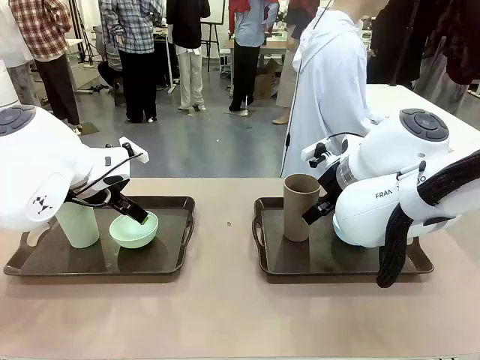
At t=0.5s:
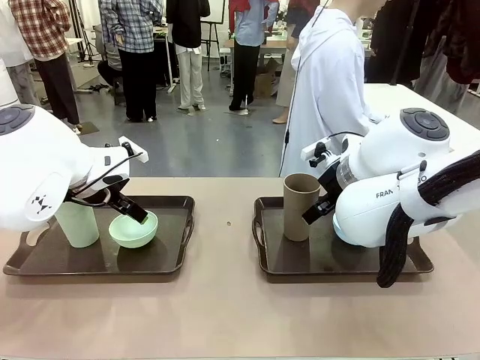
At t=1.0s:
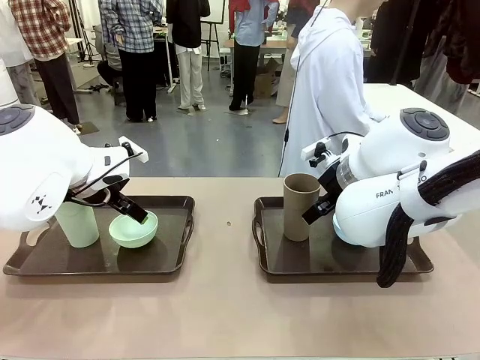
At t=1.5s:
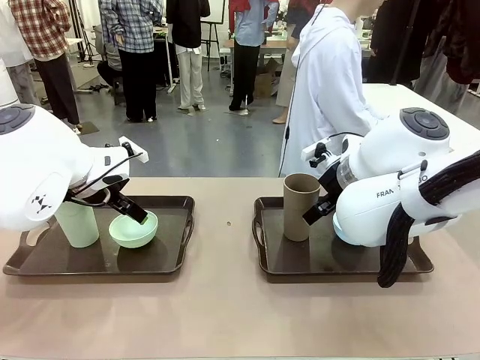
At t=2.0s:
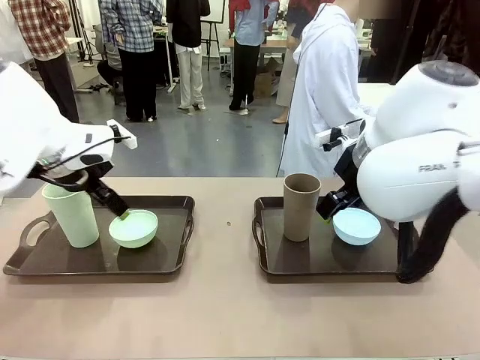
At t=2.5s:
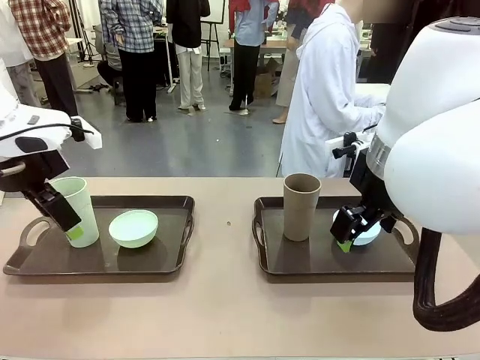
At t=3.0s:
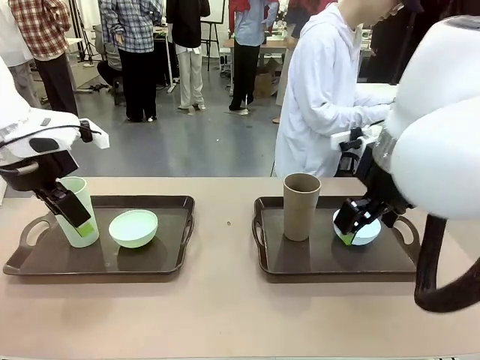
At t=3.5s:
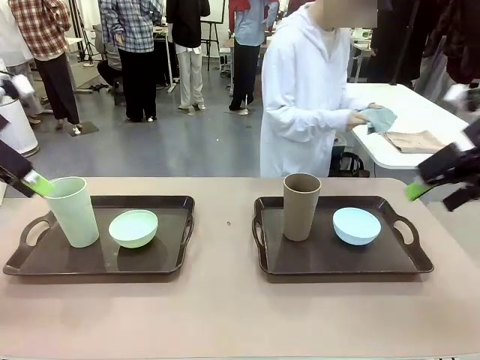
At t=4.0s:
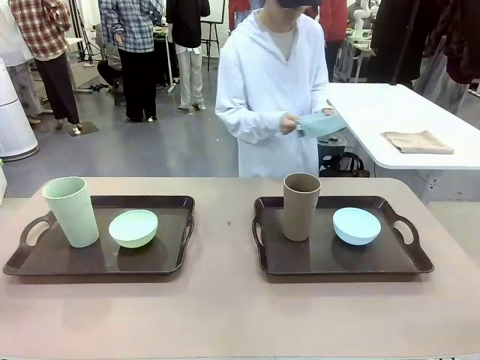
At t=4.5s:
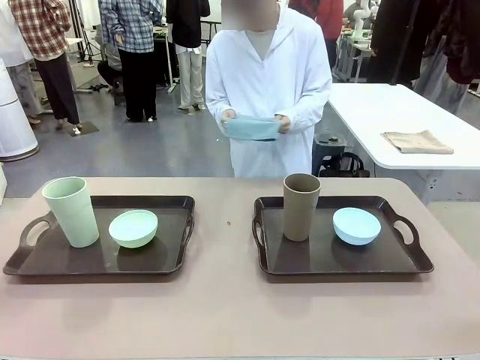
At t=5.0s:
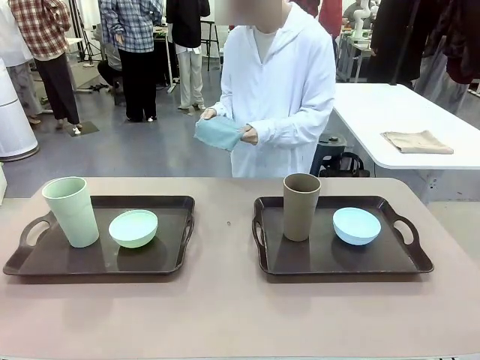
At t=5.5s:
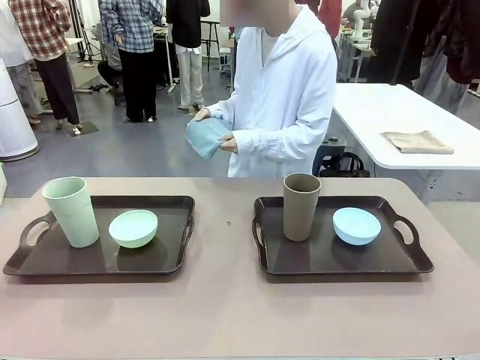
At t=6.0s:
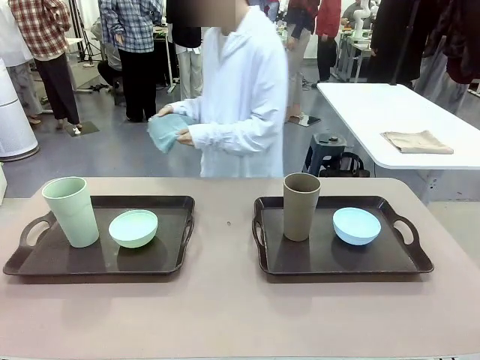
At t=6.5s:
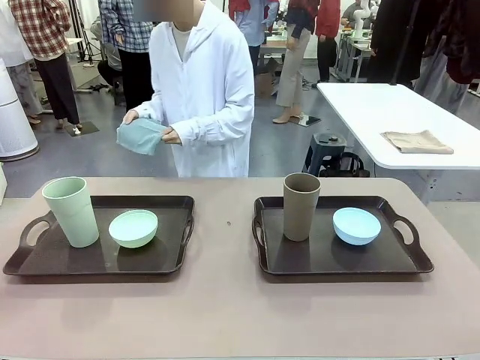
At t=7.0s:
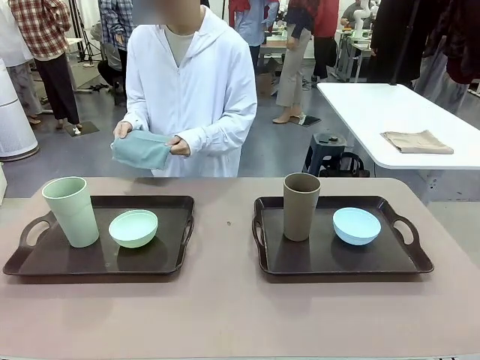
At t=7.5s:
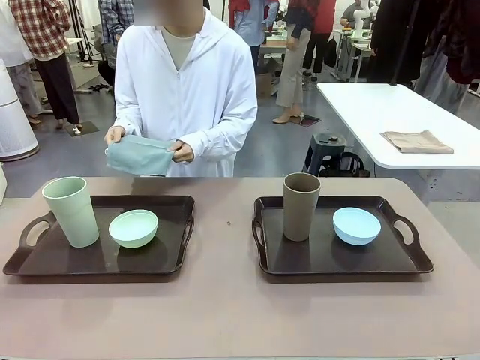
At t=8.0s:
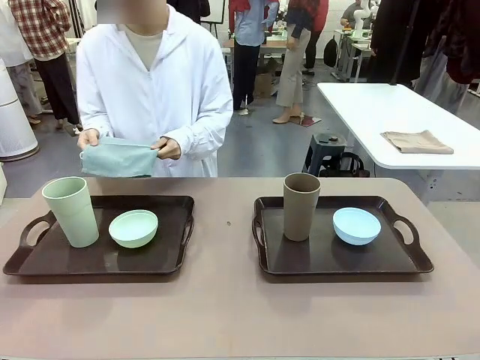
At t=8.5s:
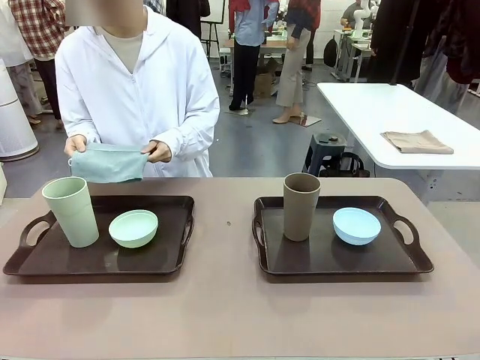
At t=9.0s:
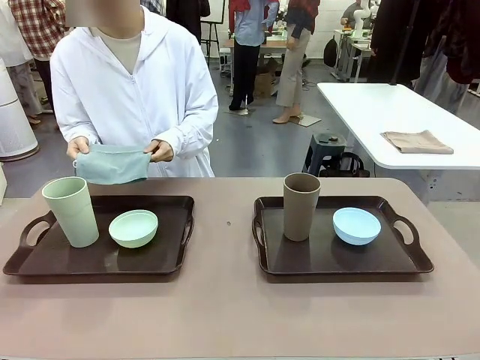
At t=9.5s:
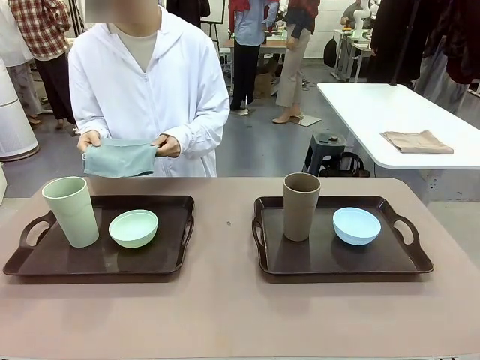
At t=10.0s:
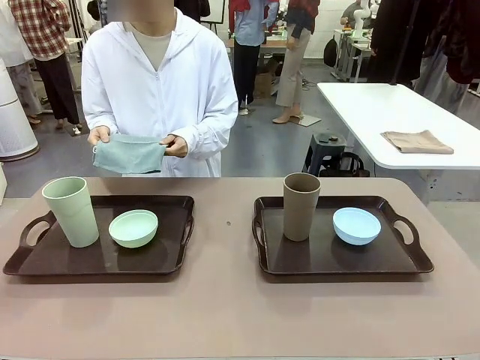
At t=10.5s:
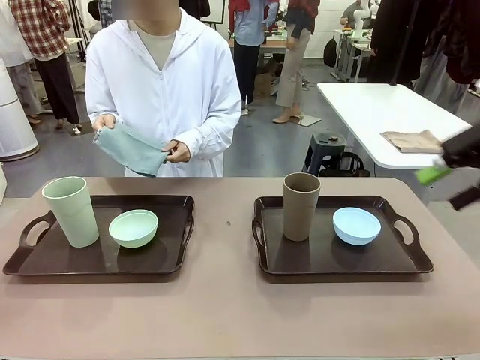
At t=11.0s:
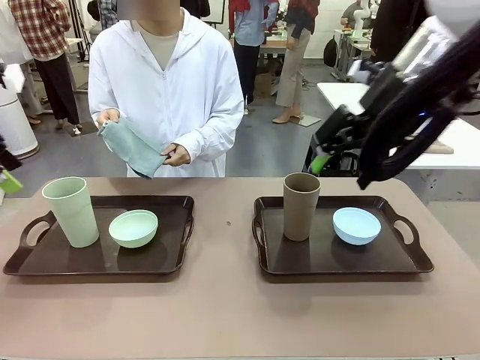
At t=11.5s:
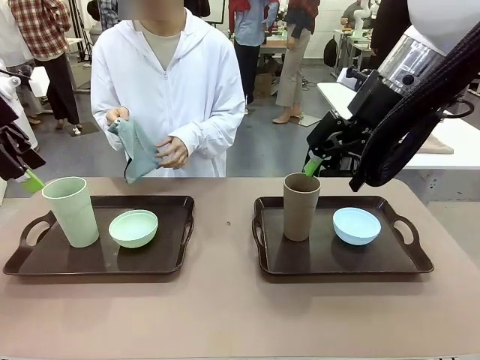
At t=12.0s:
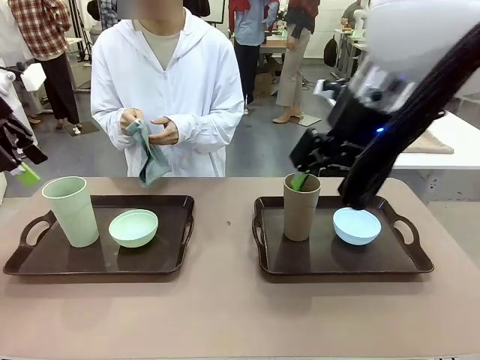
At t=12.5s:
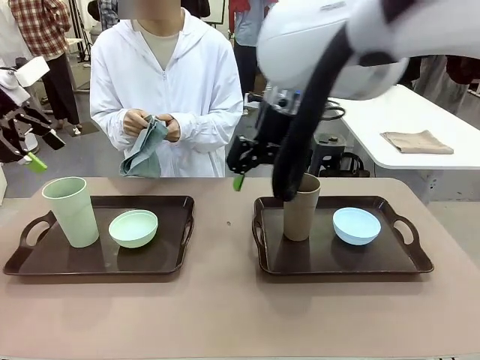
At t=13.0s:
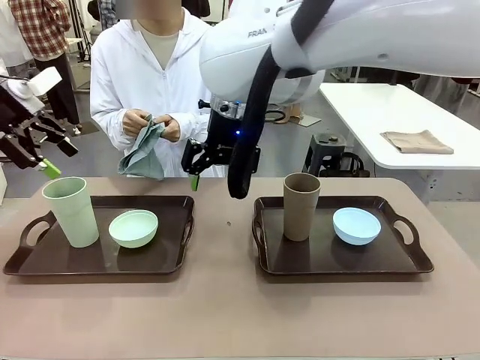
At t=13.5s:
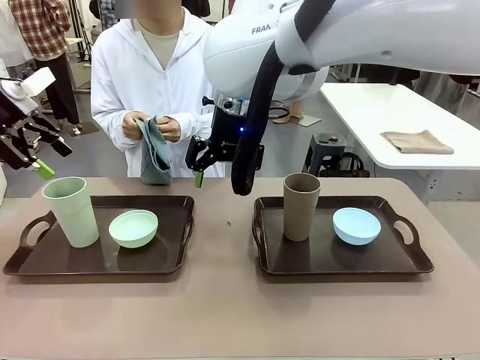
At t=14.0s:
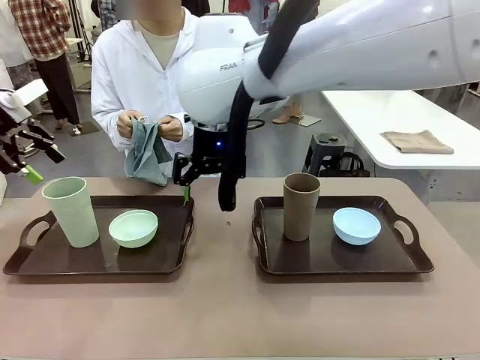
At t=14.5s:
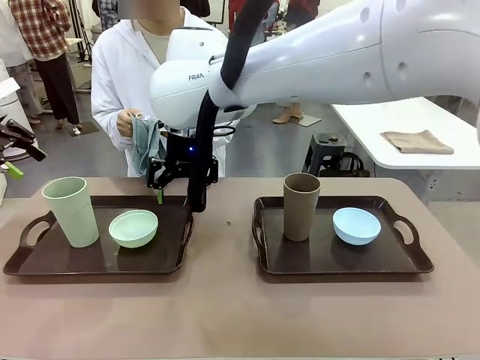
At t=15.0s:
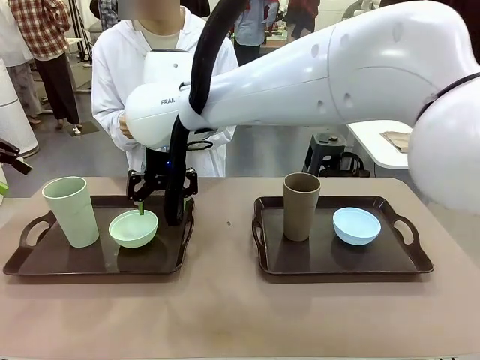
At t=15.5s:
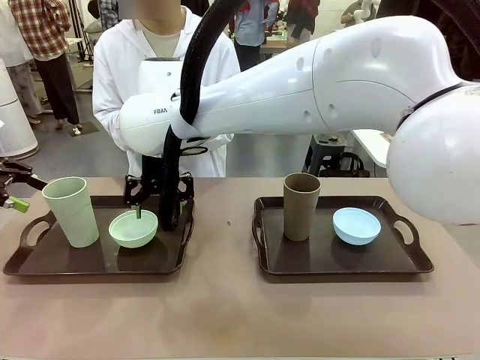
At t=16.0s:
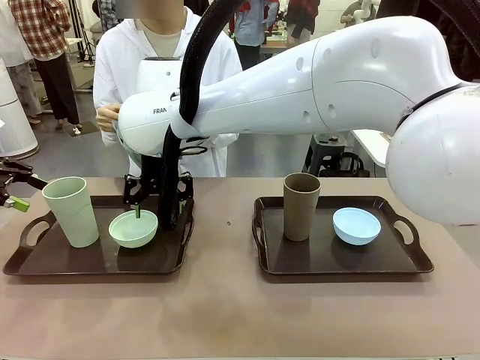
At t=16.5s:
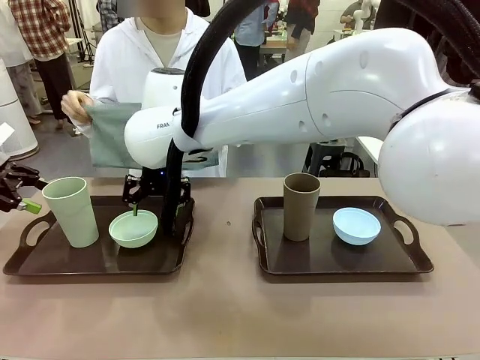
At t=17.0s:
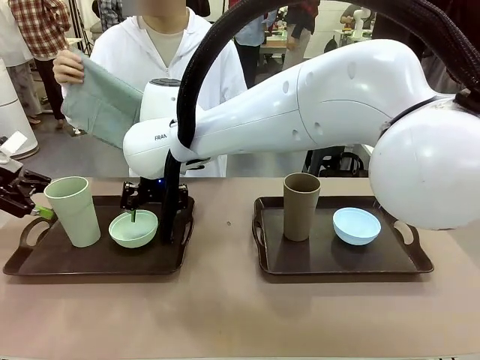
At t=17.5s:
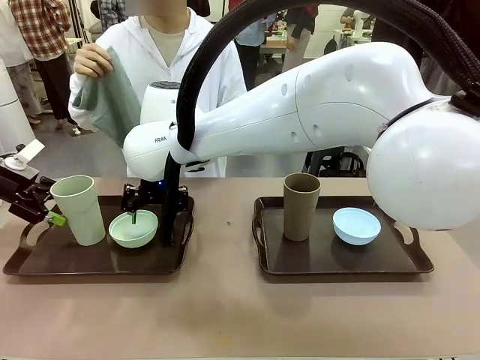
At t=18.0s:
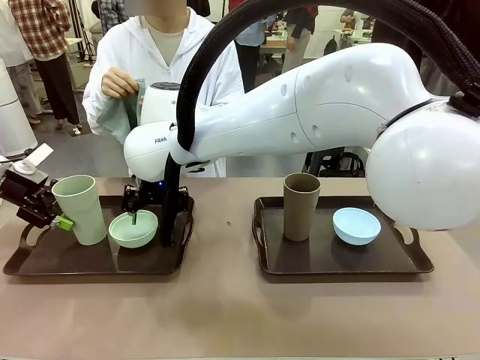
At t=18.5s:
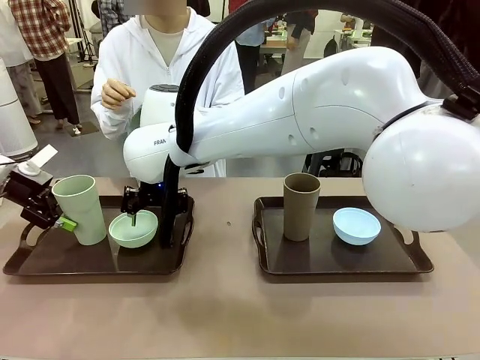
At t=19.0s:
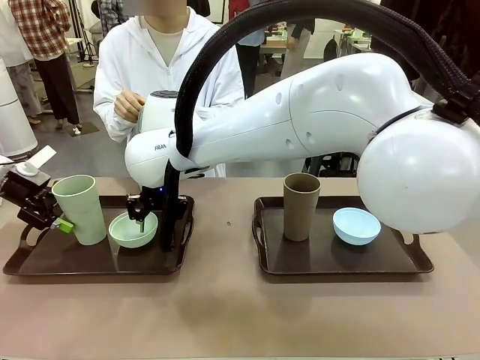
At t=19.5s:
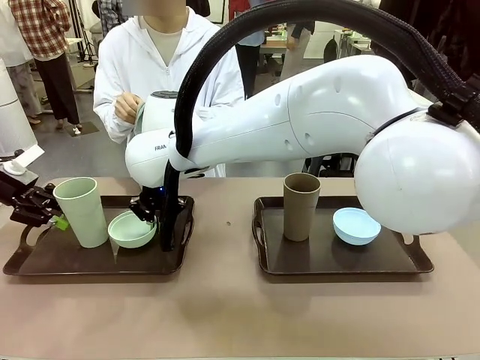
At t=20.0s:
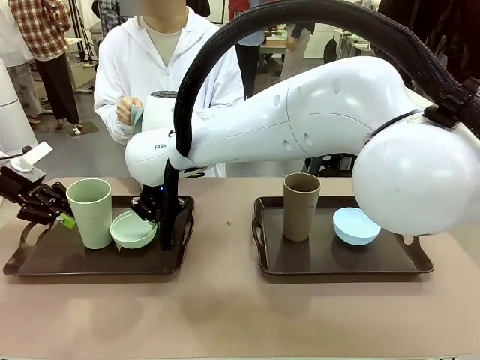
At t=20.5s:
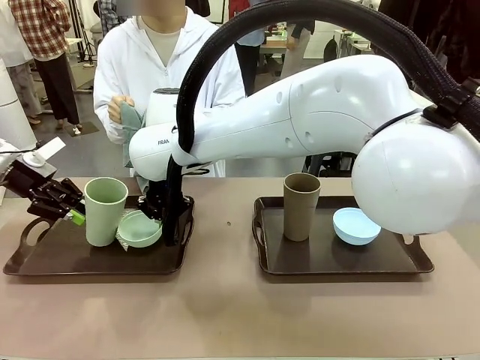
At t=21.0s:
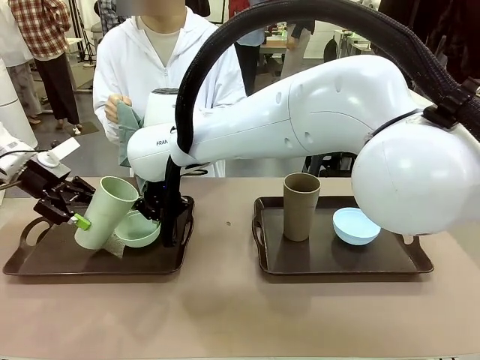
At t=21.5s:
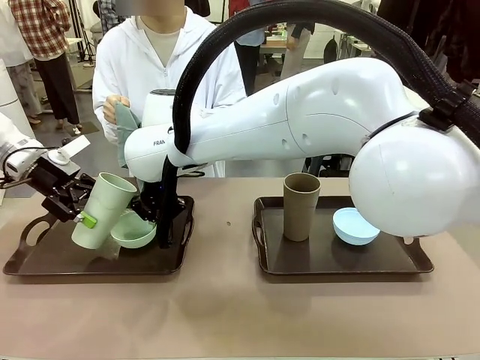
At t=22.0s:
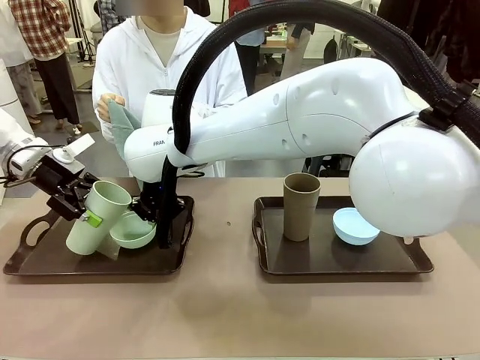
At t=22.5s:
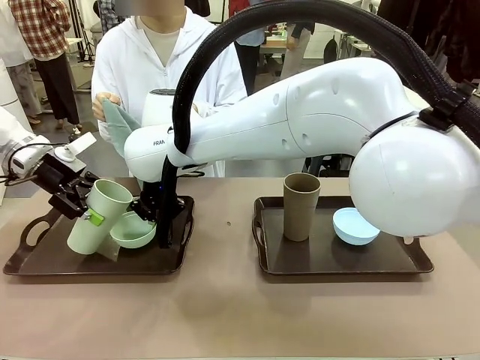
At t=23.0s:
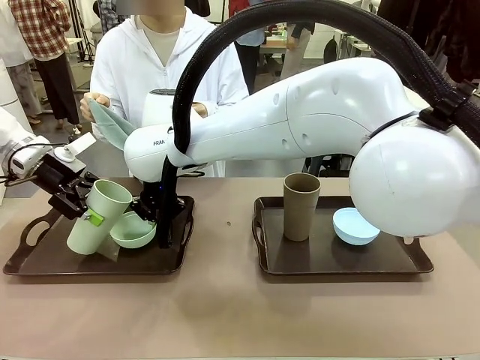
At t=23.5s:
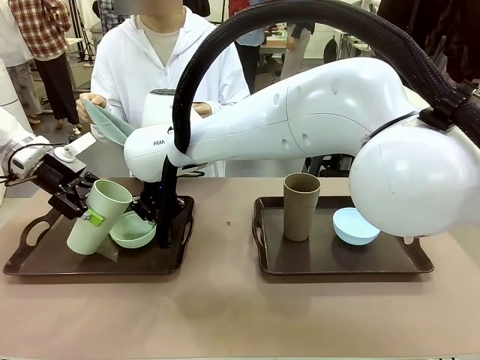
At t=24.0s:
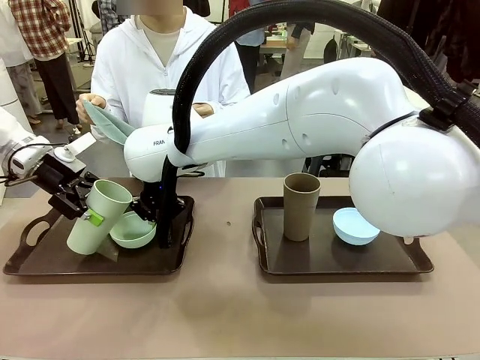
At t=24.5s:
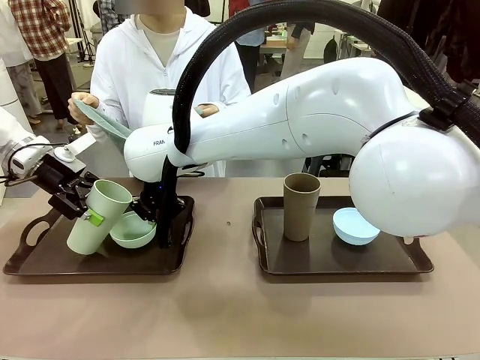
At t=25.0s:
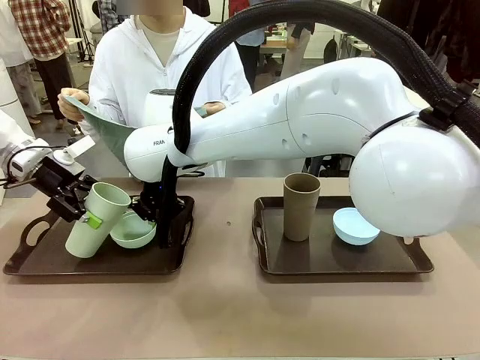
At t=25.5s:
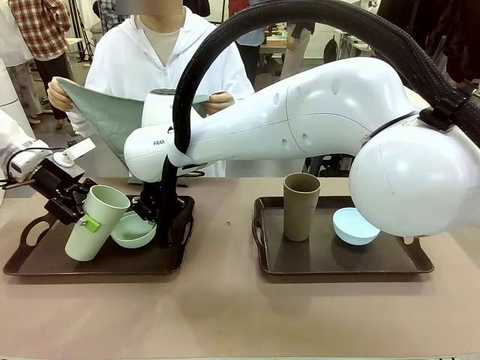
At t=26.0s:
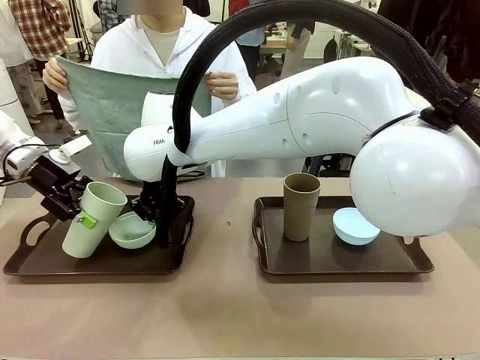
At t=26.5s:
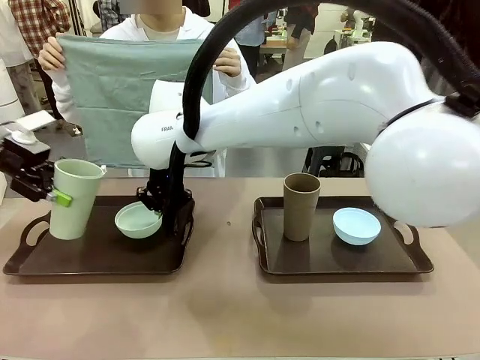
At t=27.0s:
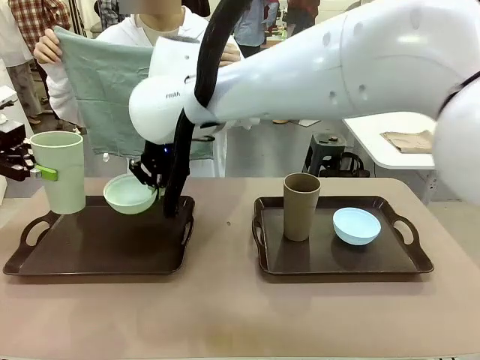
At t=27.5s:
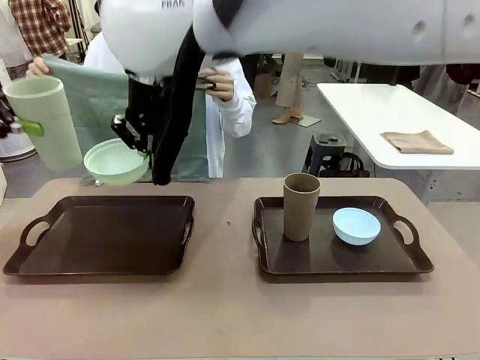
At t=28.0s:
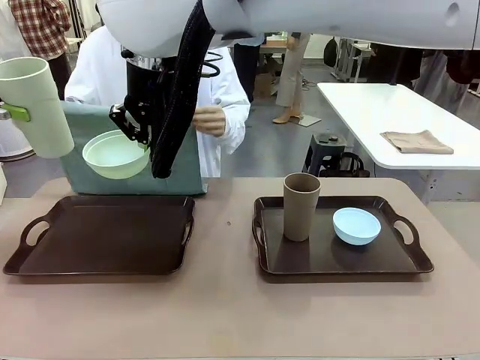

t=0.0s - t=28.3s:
Robot: Pick up the Picnic Bowl and Reusable plastic cup from the Handle tray in front of the human's position and hold them in the air.
Person: The human picks up the top napkin from the stack on the human table and walks to the robot table to stand in front of one of the two trays. When the robot lifts the bowl and the cup, the human unfolds the napkin and lays the napkin flat on the tray.
